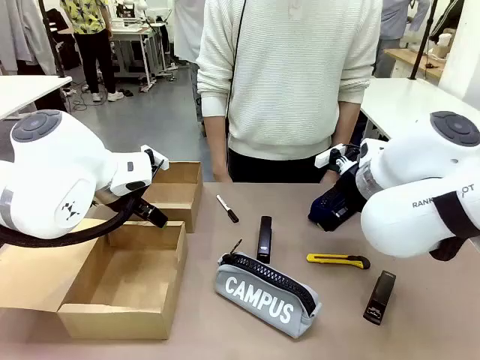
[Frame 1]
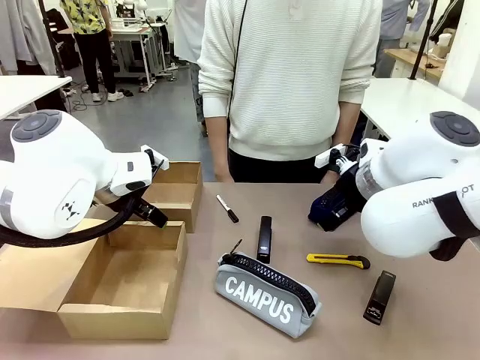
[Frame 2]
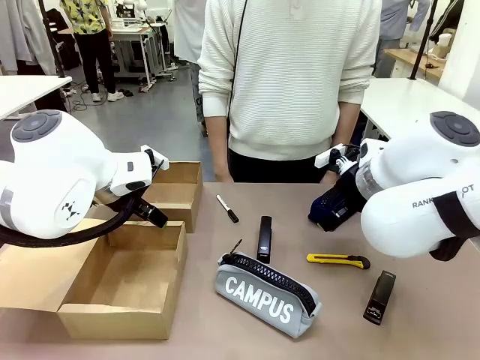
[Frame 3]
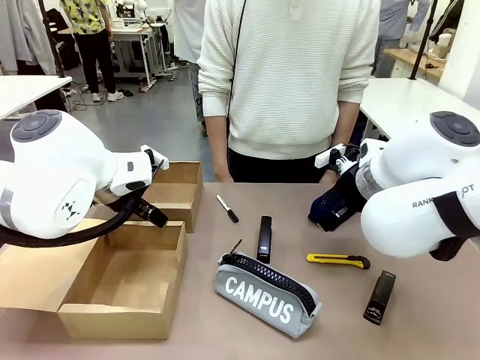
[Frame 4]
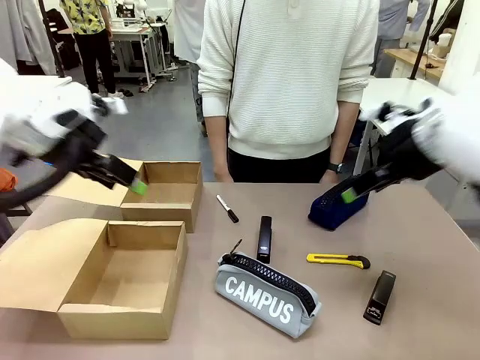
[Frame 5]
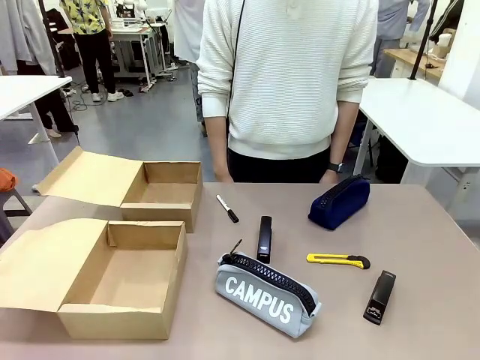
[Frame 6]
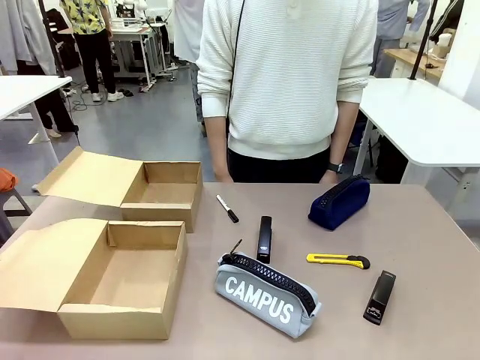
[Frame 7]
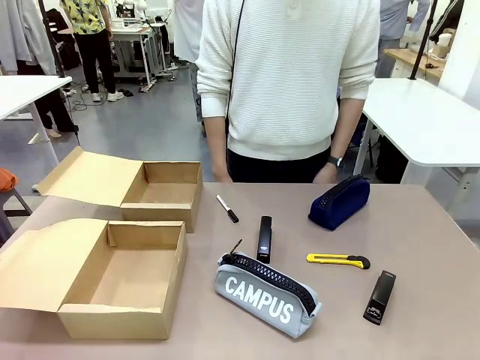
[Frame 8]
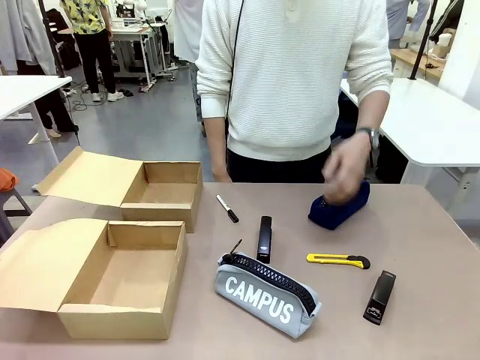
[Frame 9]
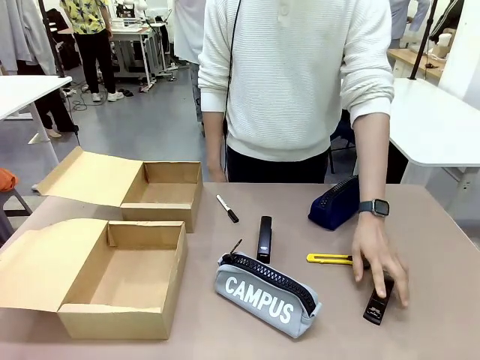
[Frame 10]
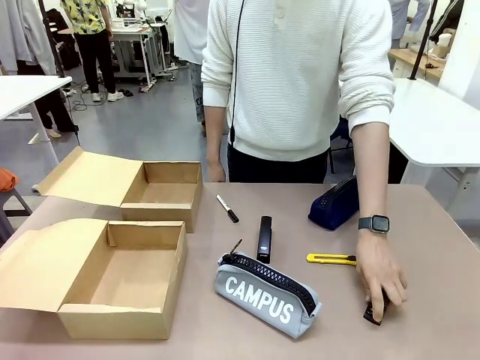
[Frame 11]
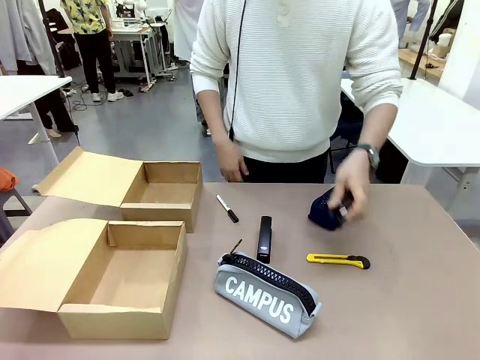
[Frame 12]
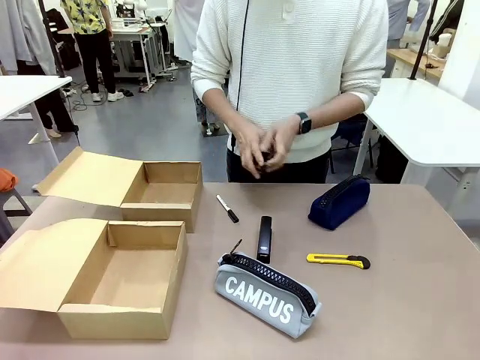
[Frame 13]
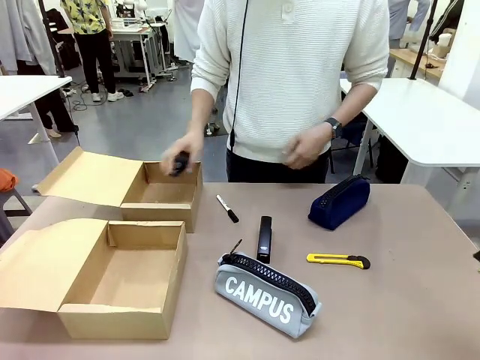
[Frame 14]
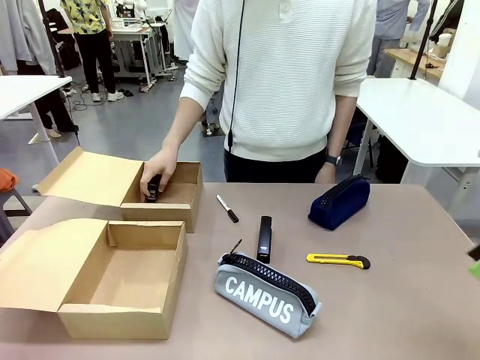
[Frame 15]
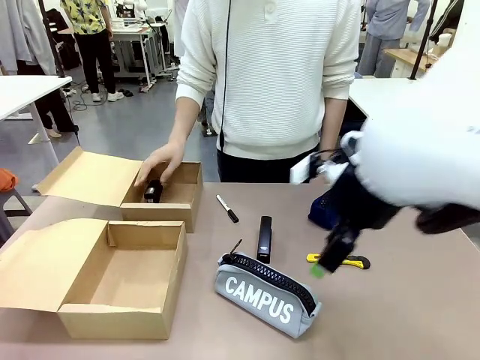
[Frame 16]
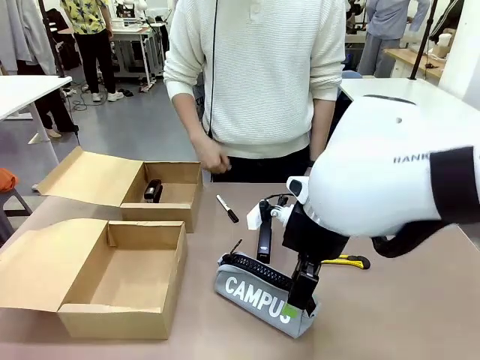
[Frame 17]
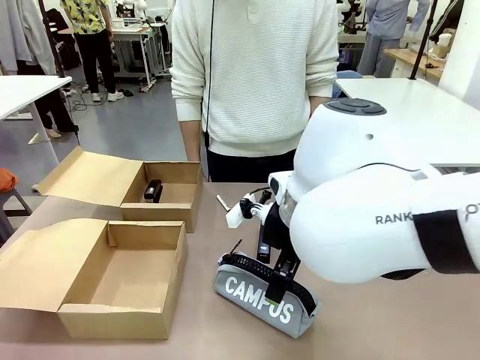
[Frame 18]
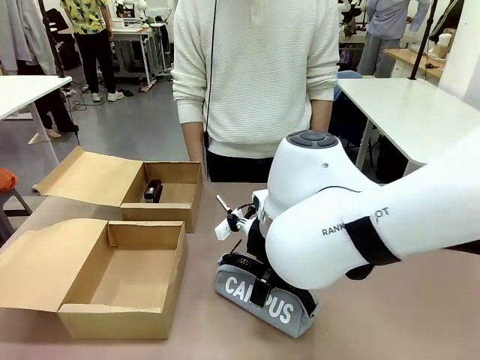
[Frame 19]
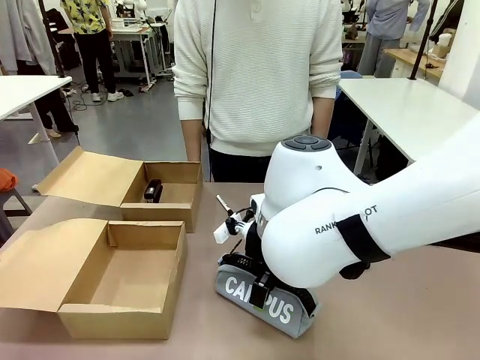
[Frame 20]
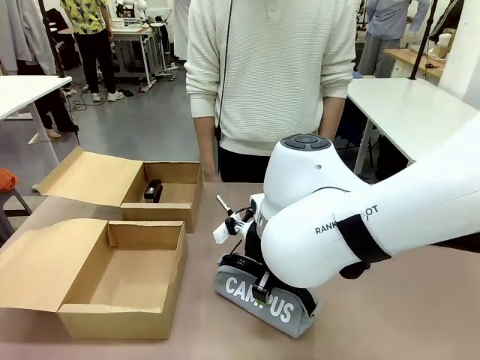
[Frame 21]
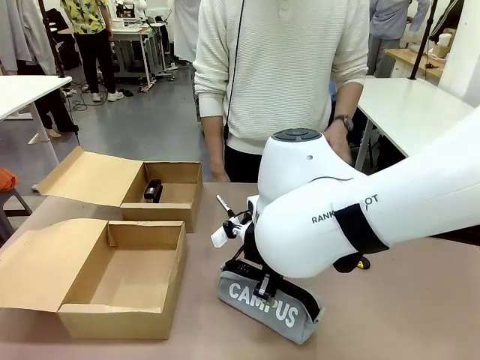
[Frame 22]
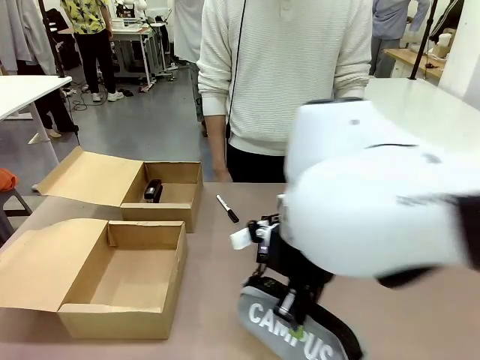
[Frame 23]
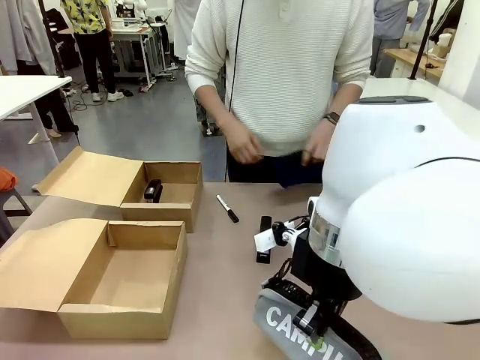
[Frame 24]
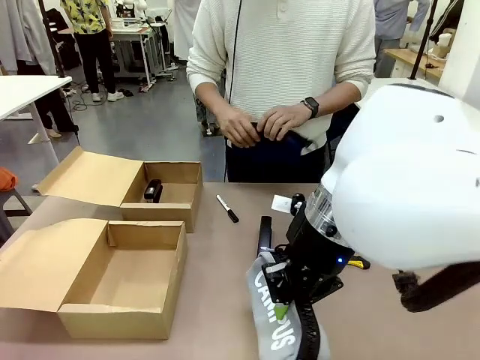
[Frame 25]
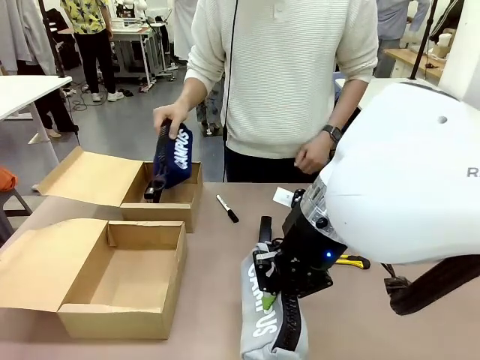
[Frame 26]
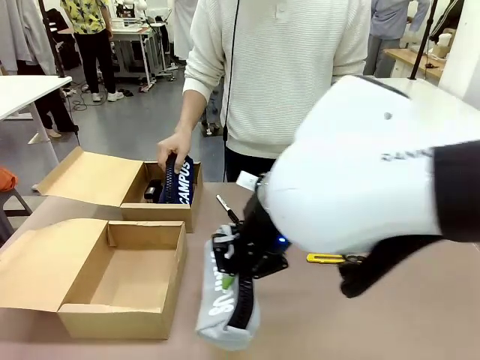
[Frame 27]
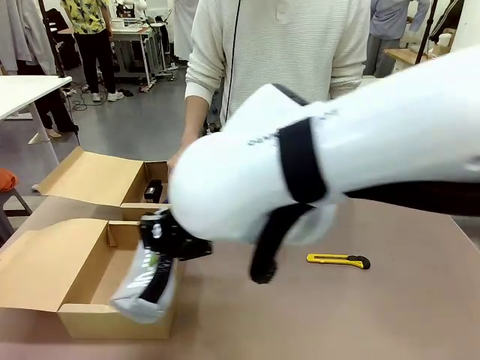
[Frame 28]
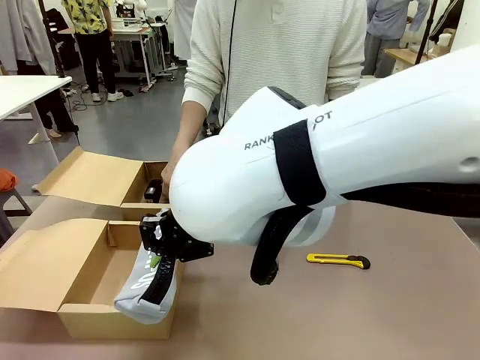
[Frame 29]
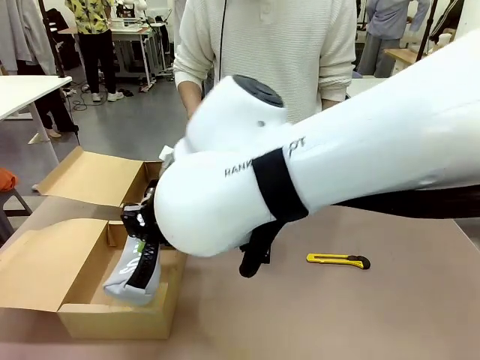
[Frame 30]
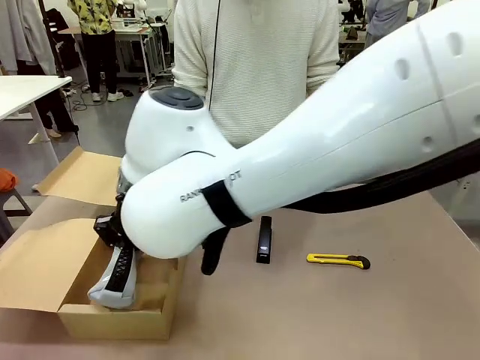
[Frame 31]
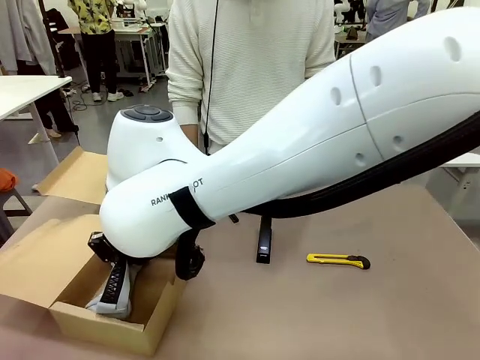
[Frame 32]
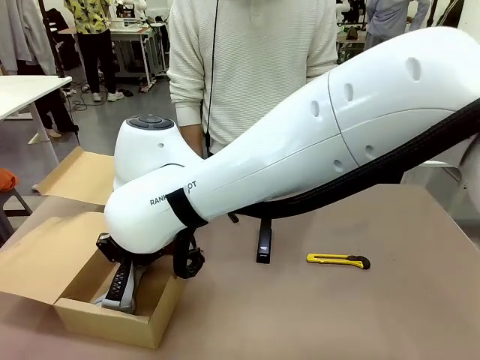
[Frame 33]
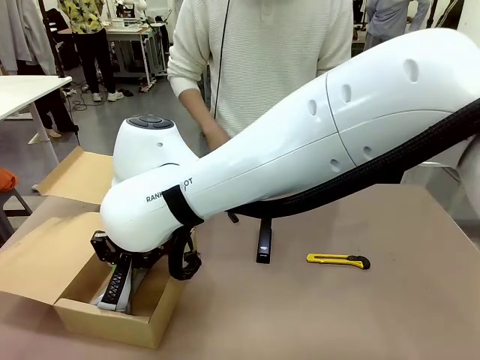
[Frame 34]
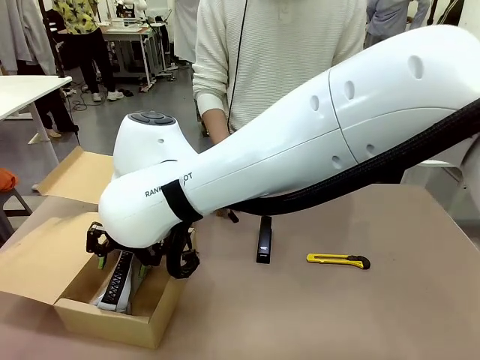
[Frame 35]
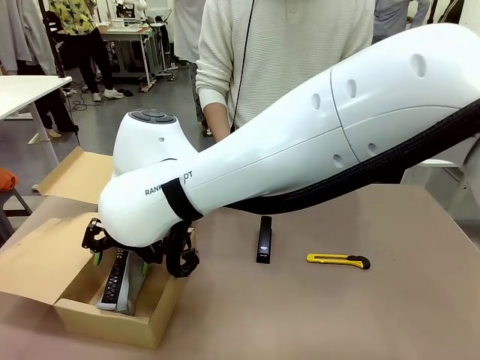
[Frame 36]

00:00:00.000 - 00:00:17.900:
Task: Place items inside the box.
Robot: Pick up a Pencil pouch or Stapler and place it inside the Mailer Box closest to the robot.
Person: Pick up an object on the table and put it in the box.
